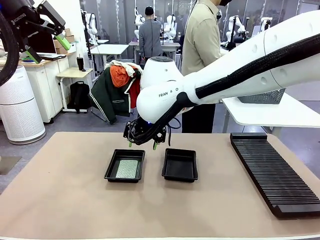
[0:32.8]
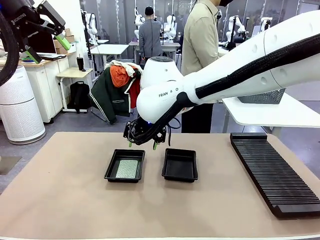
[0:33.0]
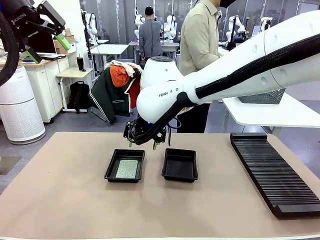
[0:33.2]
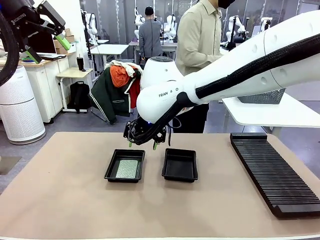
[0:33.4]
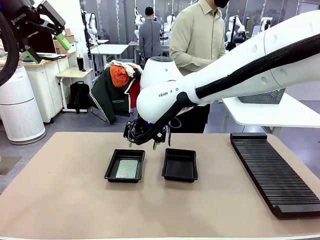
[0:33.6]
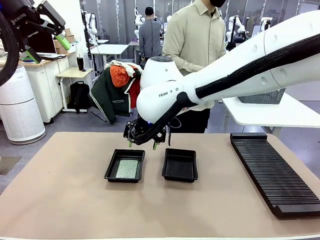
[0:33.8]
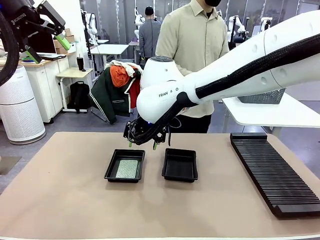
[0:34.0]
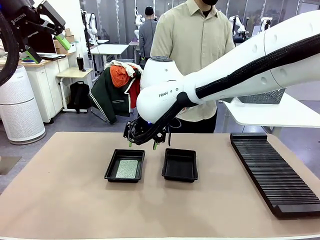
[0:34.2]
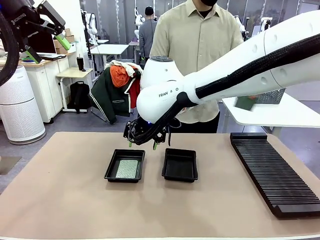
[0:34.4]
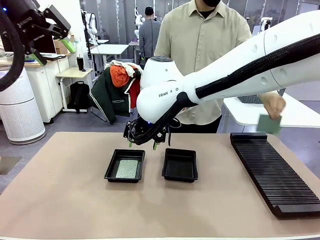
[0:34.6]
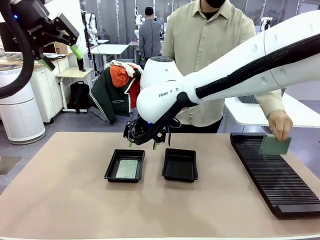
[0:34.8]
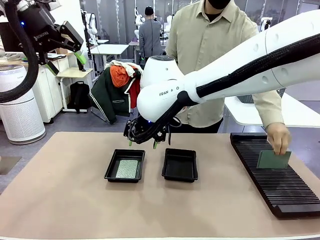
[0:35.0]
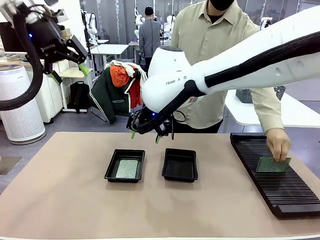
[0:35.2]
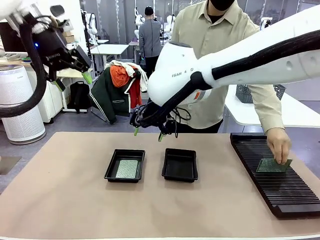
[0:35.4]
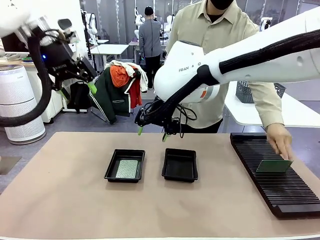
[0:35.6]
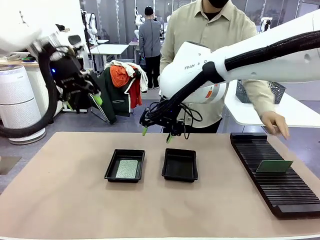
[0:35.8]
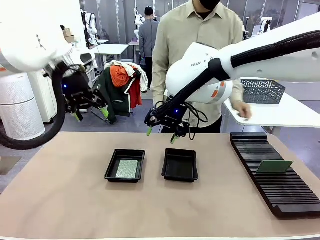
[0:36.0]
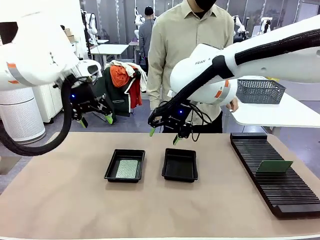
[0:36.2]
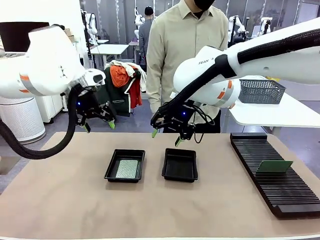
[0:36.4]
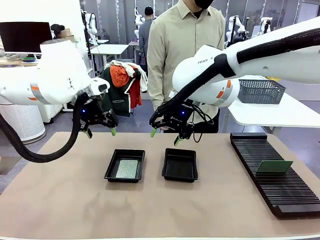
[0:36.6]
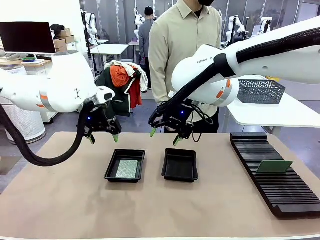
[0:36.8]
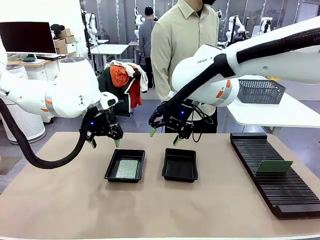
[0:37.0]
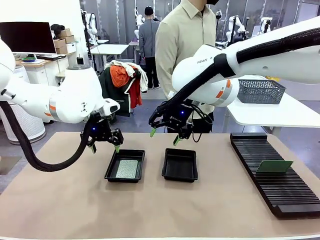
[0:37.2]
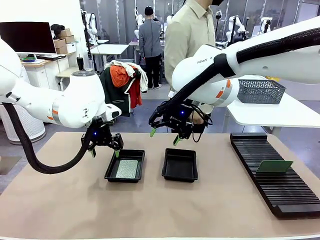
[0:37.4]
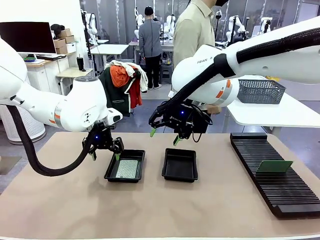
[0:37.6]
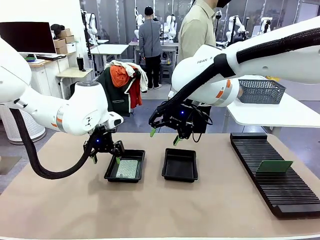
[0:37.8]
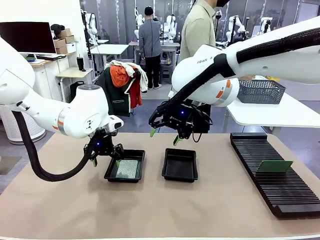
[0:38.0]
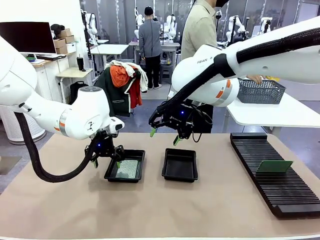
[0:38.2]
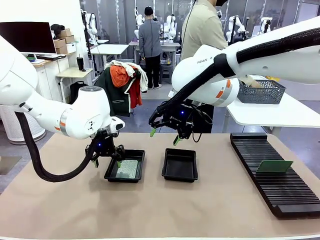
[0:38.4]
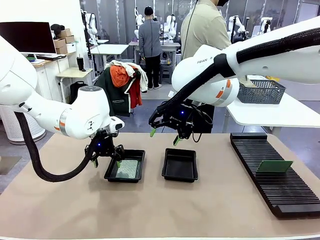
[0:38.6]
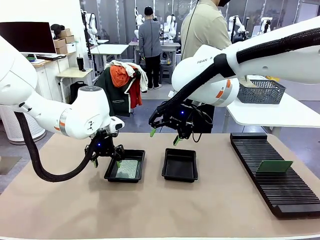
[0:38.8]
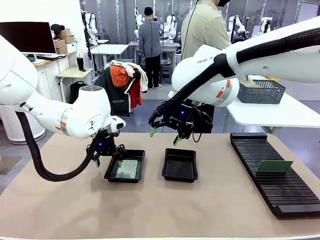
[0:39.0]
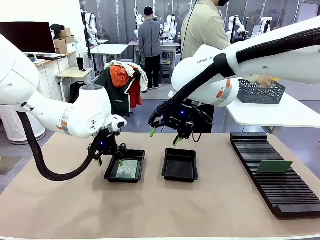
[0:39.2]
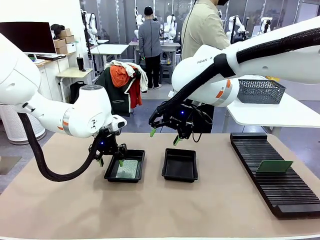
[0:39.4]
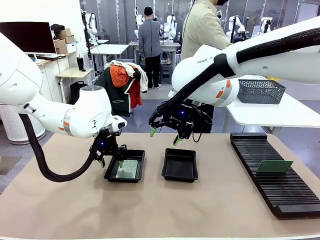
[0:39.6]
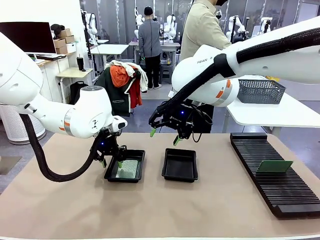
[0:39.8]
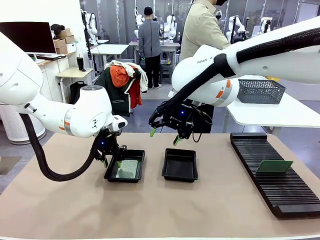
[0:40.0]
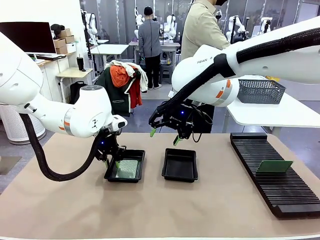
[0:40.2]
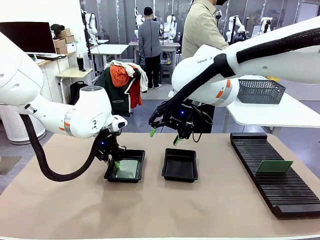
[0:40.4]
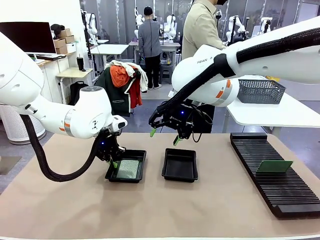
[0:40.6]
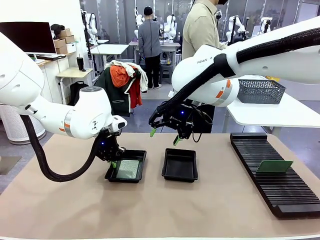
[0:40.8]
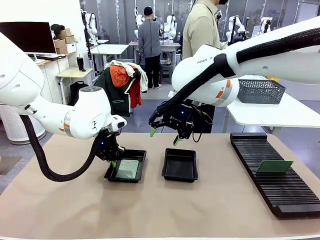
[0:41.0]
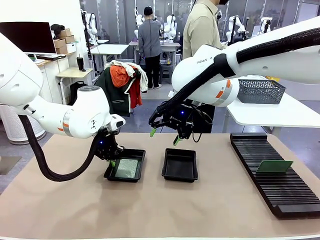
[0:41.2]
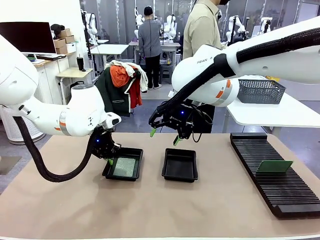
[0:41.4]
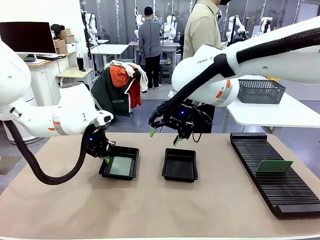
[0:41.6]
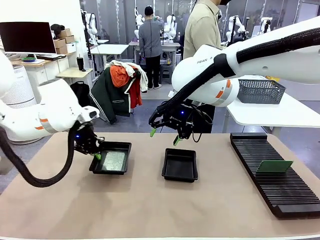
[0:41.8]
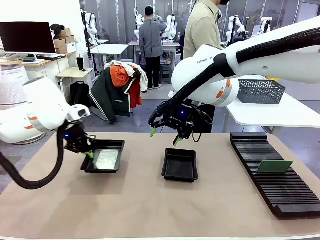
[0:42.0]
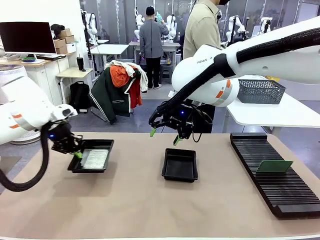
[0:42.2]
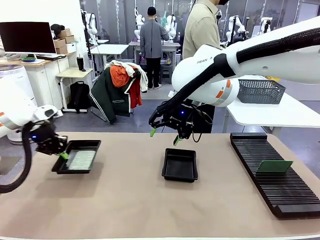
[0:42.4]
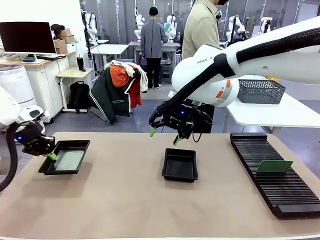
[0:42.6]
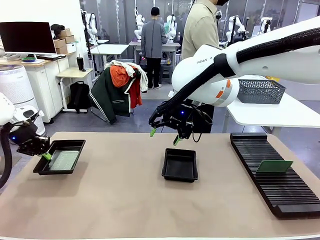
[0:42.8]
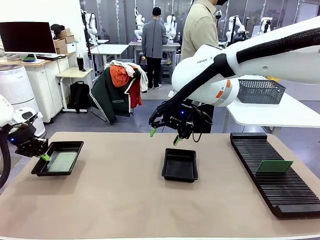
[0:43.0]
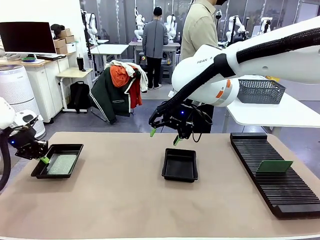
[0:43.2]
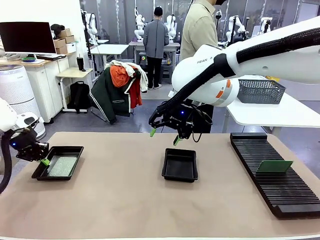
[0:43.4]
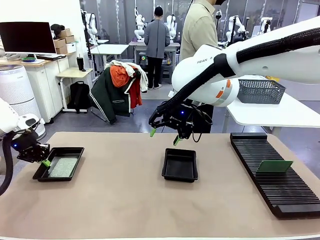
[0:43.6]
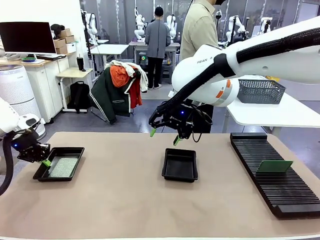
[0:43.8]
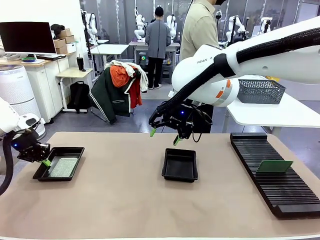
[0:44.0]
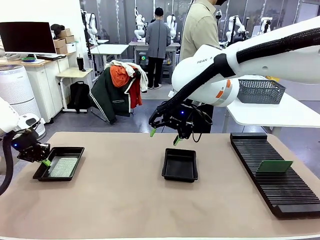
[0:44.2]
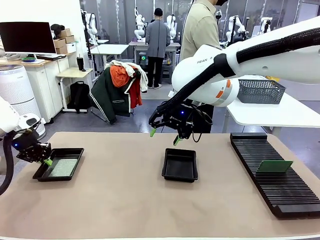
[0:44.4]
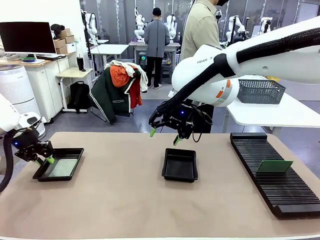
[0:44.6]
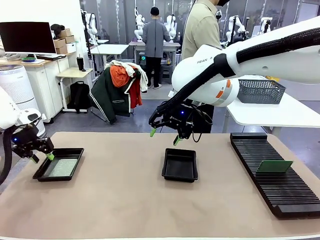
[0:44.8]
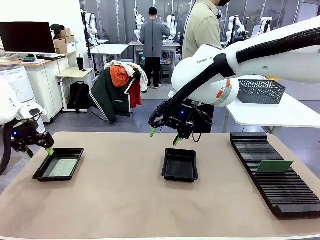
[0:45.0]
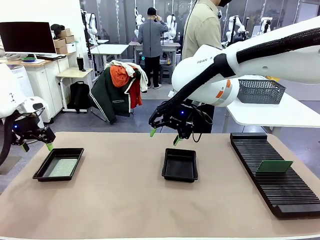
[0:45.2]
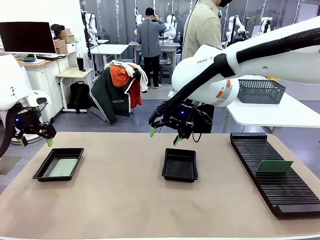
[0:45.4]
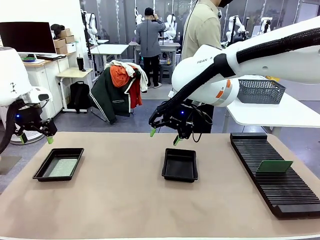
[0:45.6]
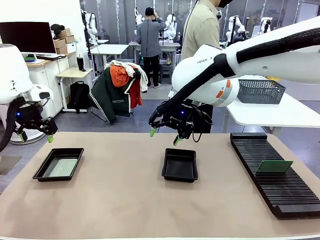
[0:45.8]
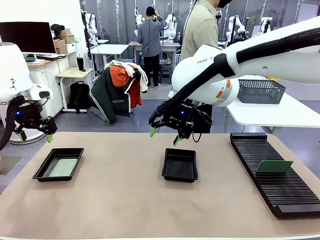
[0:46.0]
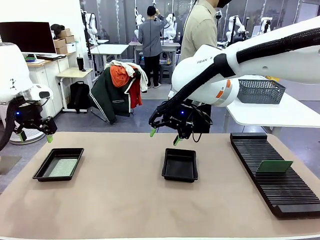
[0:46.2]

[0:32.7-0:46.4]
Task: Inspect and transfer BCBs to ESD trays.
Robot: Pick up the ESD tray and place it on the left side of the table.

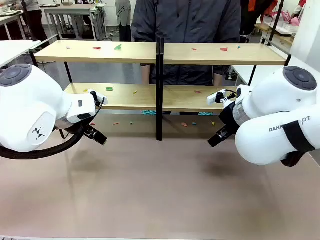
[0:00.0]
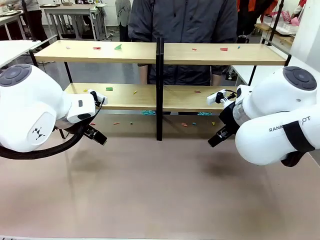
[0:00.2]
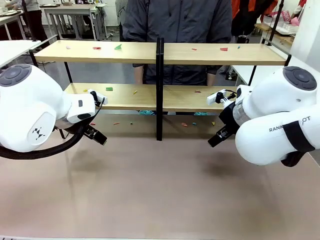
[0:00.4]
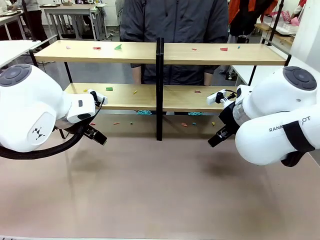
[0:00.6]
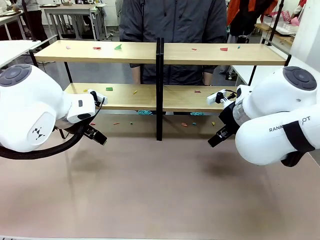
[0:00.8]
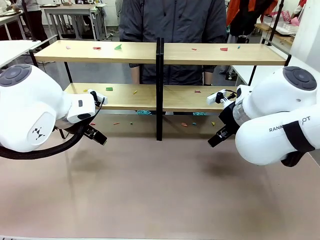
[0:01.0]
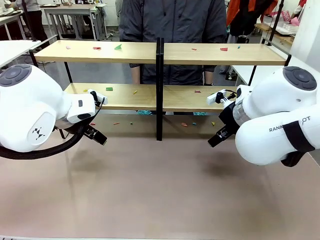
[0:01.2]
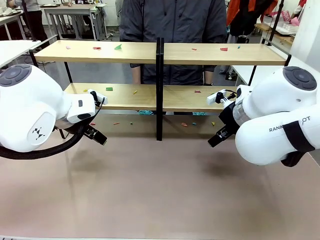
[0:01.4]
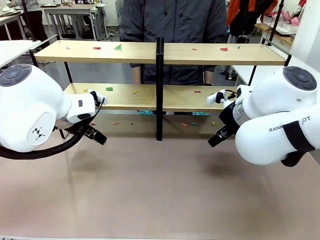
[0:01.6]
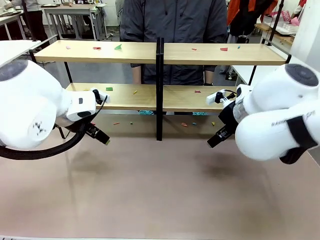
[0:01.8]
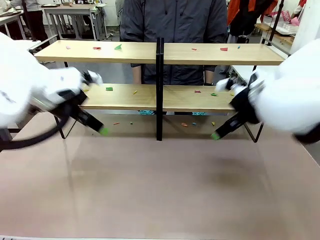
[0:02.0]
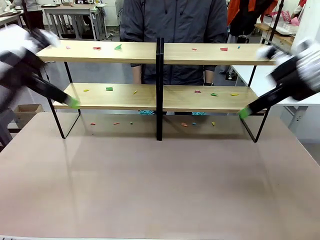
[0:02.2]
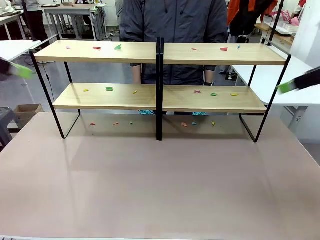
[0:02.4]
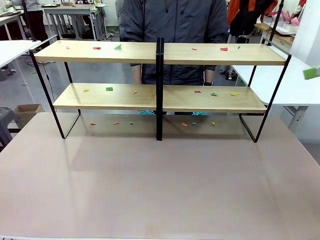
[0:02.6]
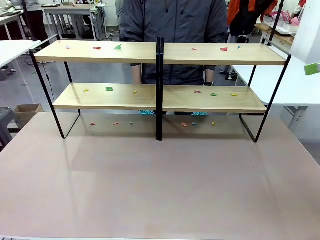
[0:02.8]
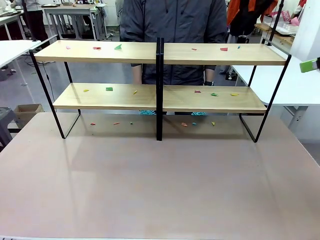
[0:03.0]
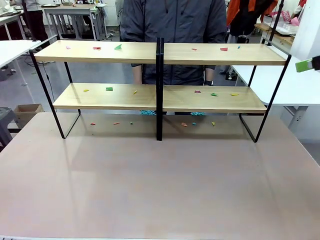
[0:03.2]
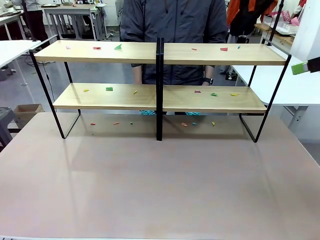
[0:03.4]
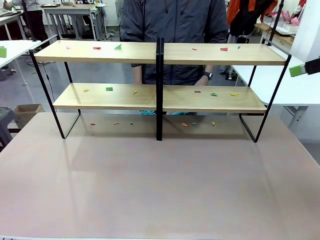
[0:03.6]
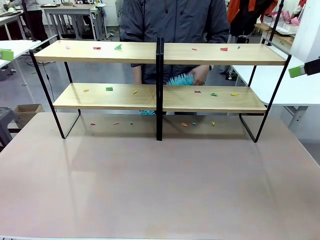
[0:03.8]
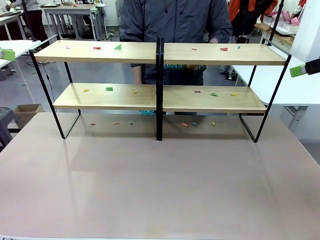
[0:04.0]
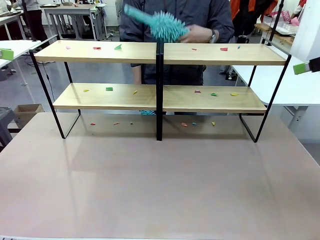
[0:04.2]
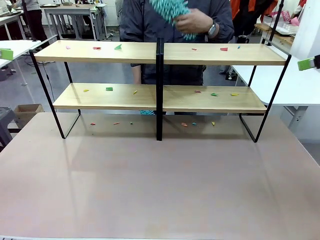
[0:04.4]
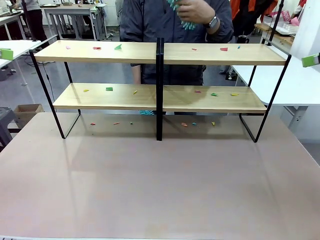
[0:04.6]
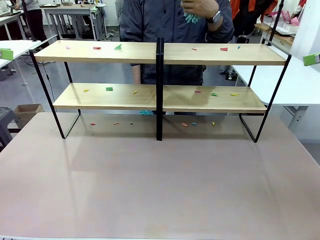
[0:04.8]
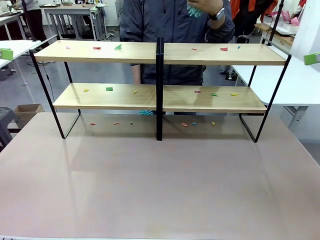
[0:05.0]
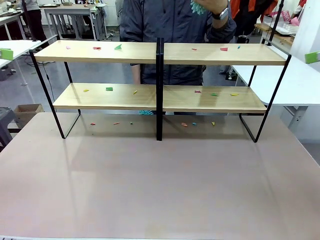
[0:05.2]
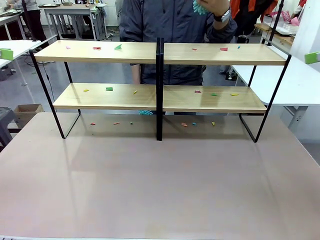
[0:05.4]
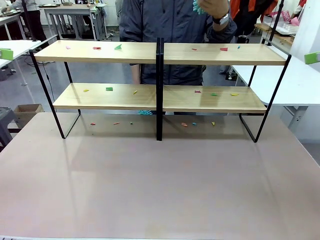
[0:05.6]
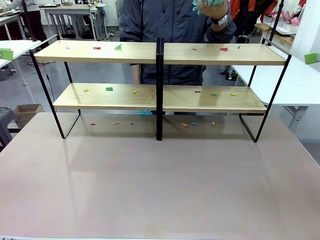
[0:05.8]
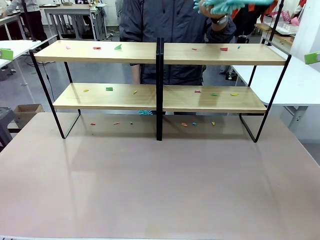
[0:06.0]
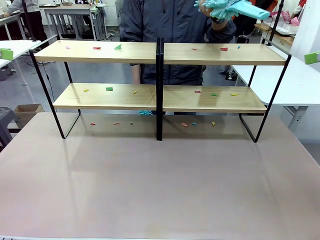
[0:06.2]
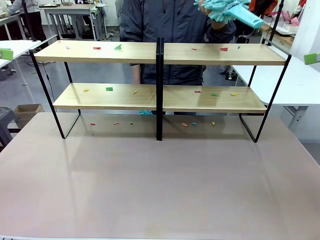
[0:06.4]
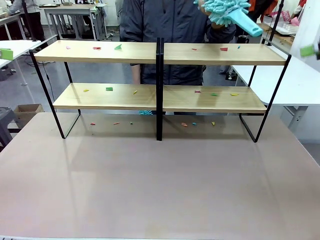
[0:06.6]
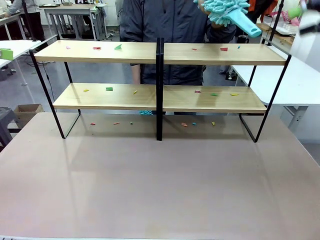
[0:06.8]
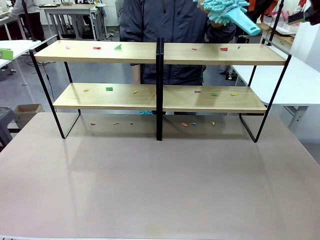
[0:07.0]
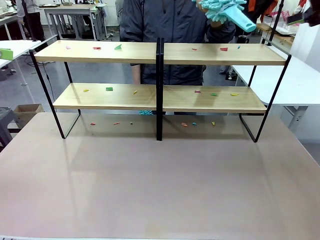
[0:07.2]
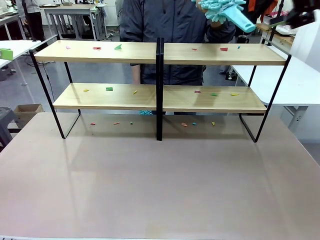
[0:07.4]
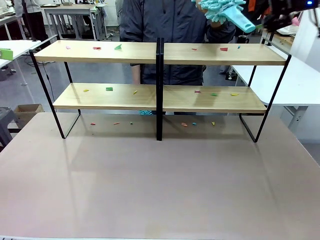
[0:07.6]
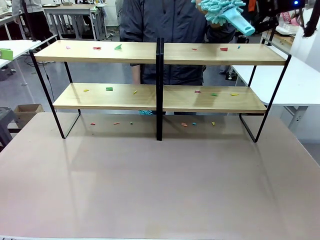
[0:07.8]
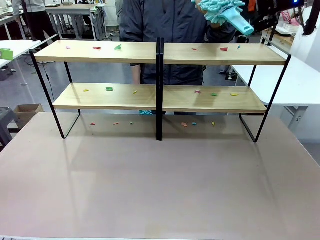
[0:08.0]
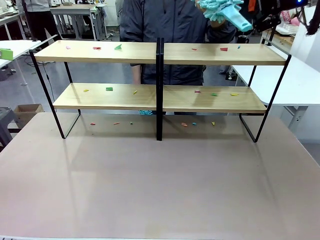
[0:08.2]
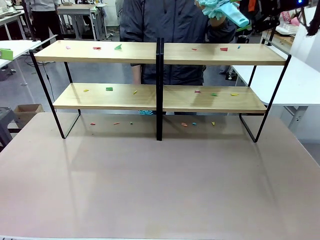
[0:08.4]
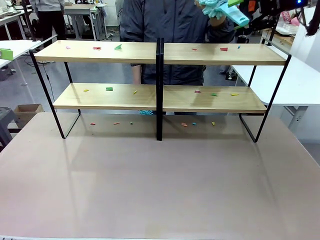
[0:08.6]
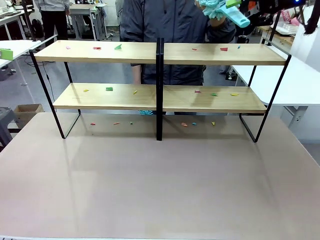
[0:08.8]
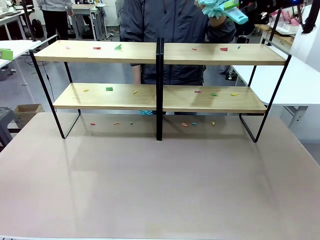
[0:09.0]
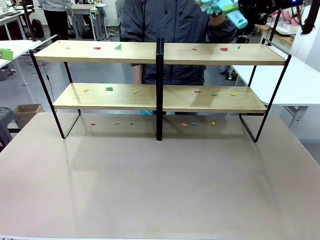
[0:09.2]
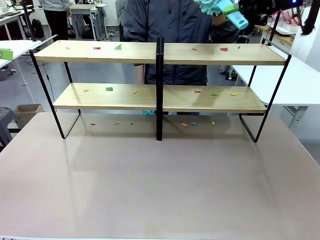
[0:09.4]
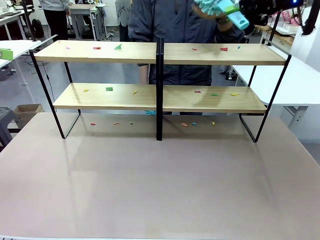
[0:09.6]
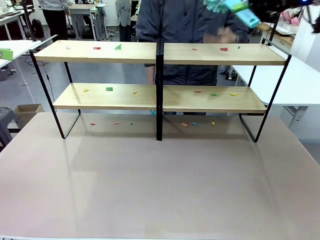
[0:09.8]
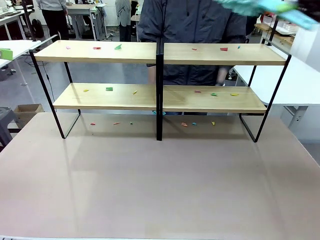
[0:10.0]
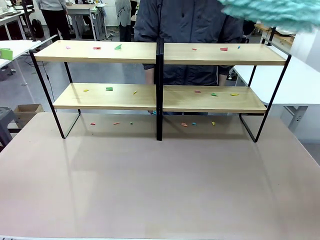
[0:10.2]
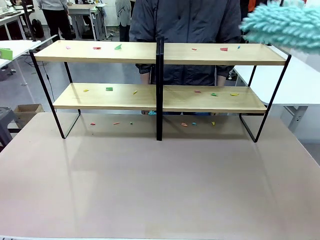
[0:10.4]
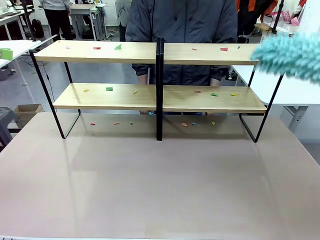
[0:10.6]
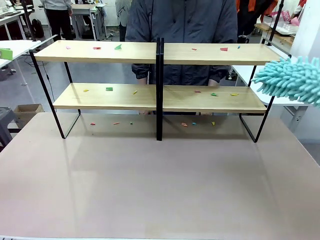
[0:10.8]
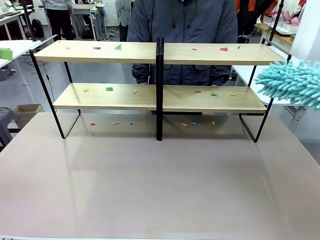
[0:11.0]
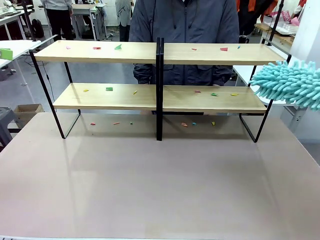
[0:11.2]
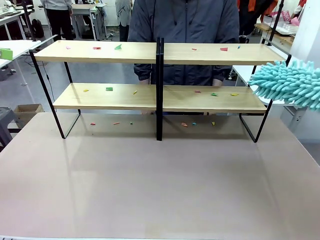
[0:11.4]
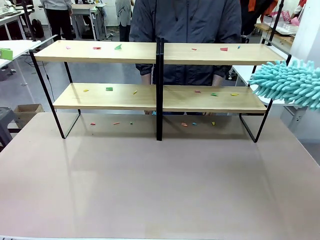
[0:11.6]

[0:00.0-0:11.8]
Task: Clean the shelves.
Robot: Pick up the Duster when the human hands it over.
Person: Hand the Duster to the robot with your right (or left) hand.
